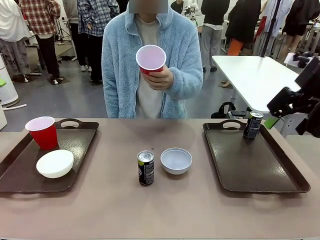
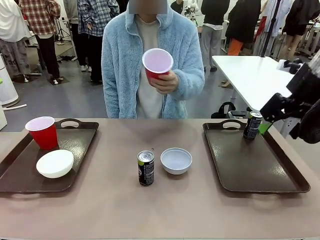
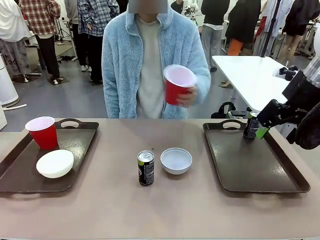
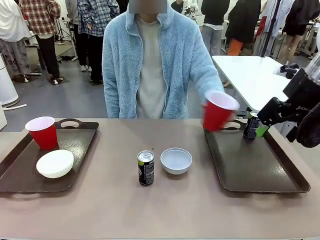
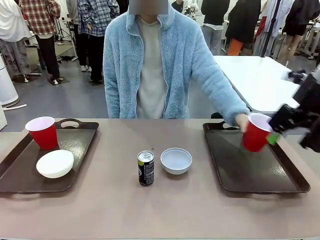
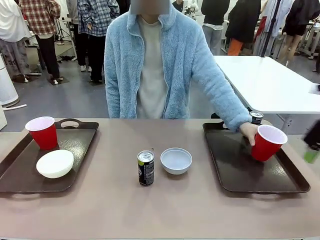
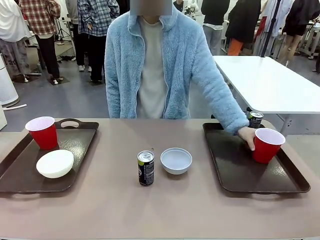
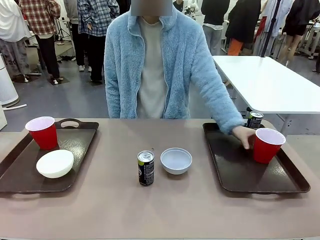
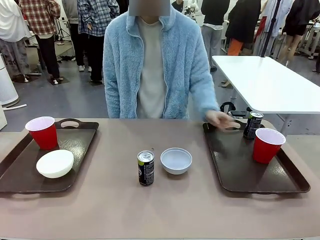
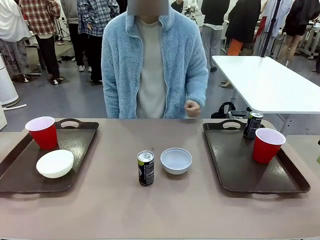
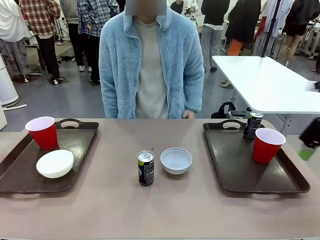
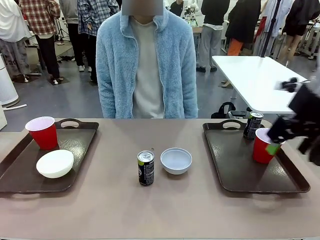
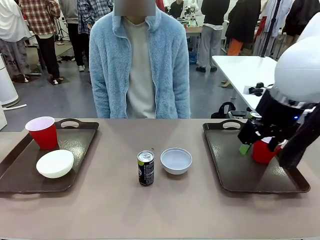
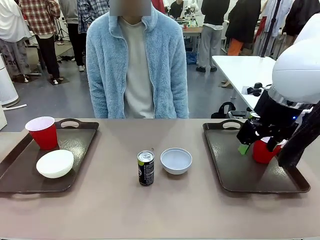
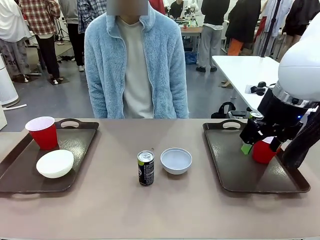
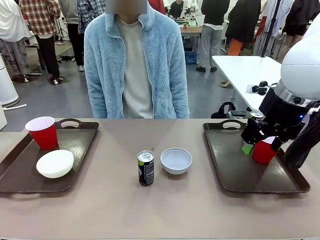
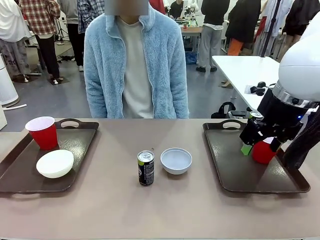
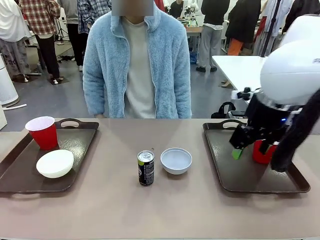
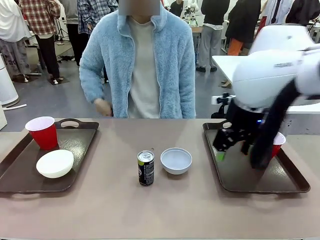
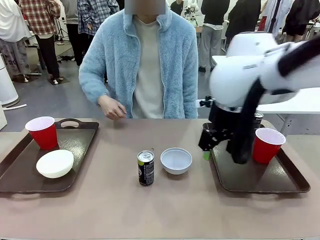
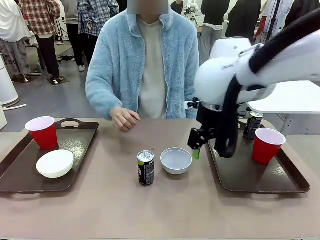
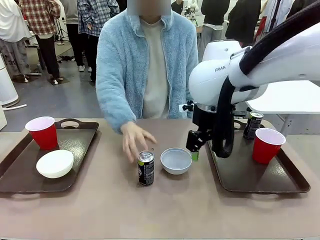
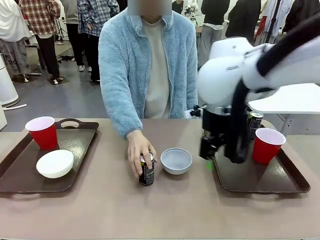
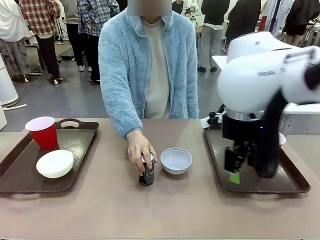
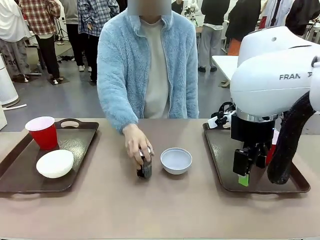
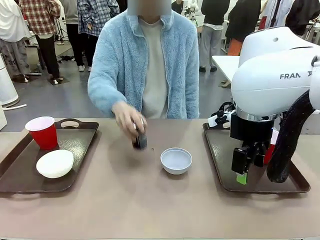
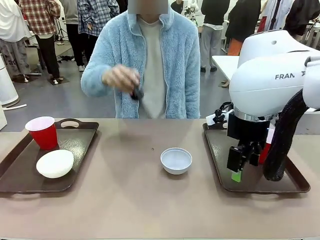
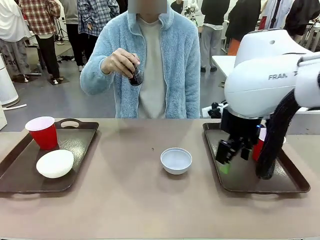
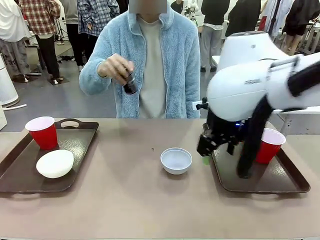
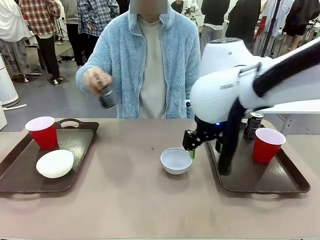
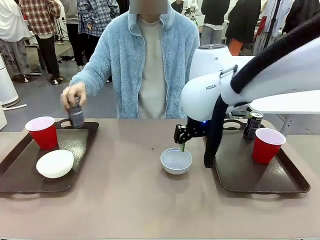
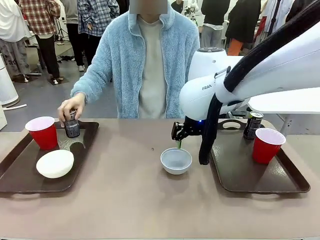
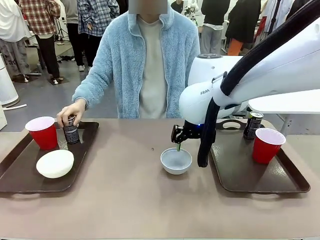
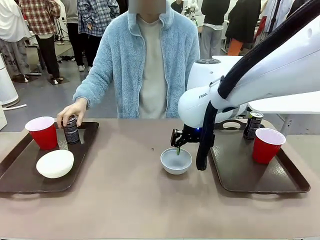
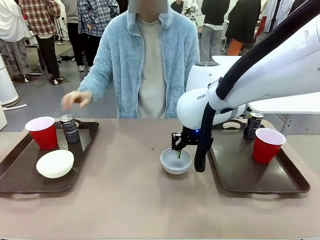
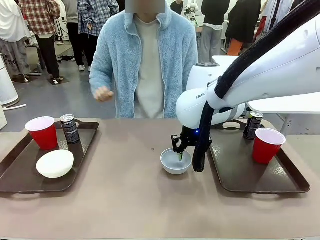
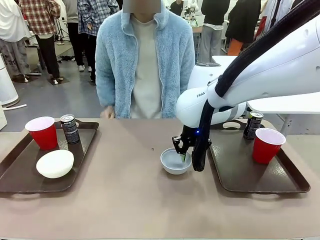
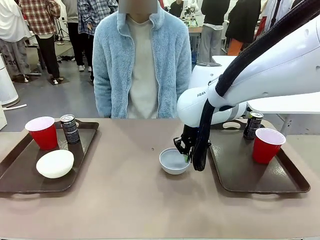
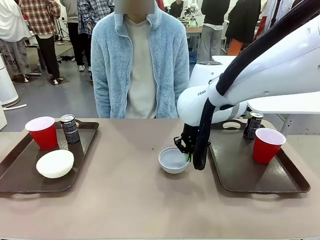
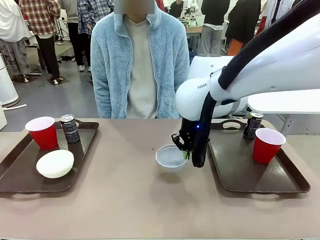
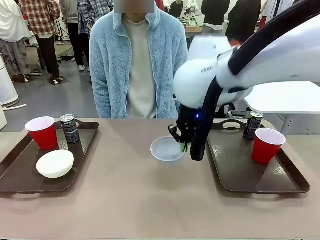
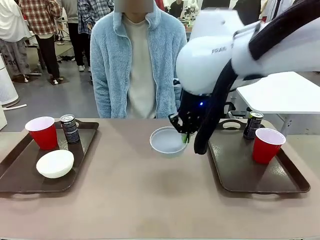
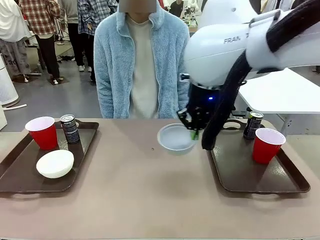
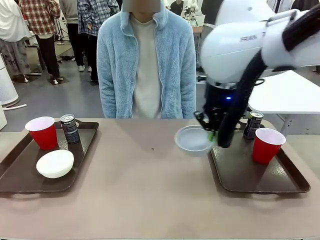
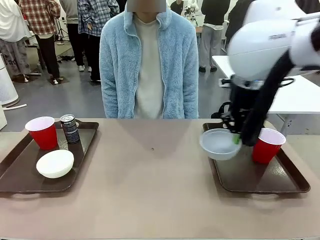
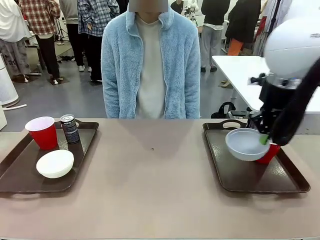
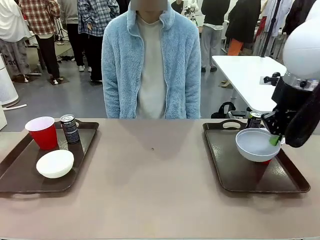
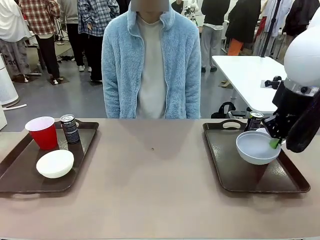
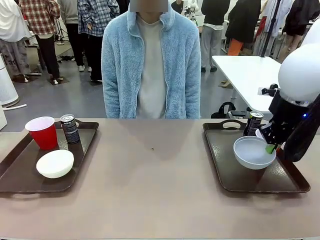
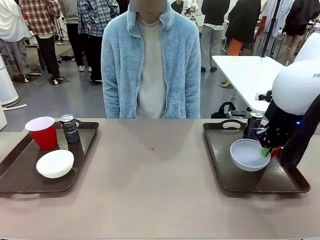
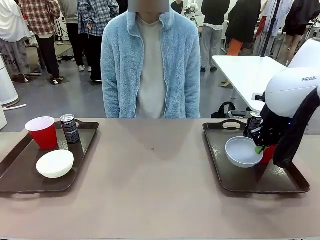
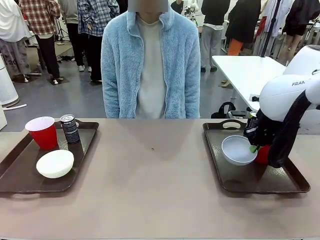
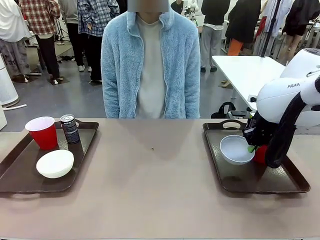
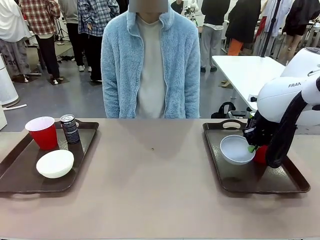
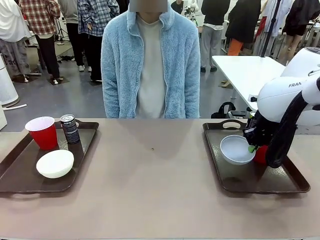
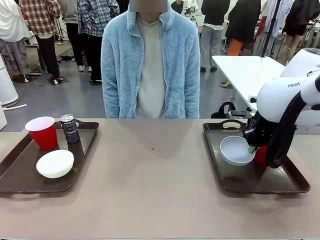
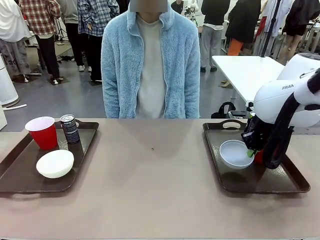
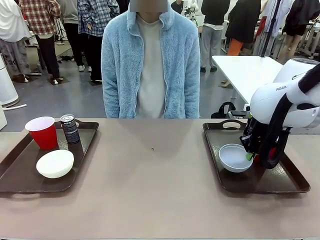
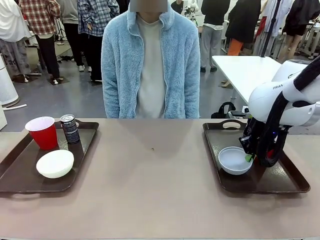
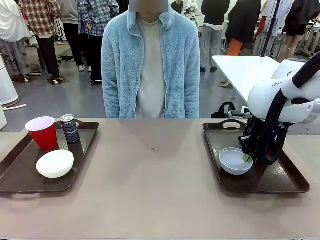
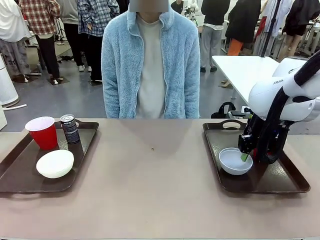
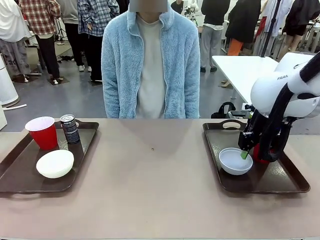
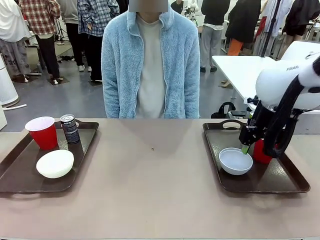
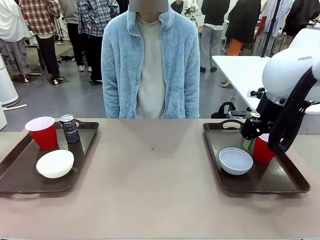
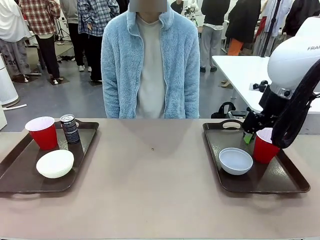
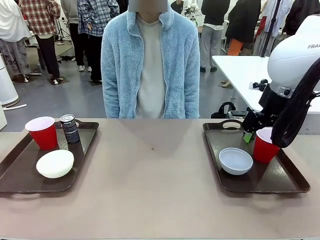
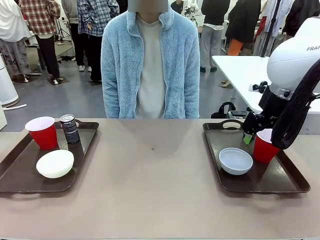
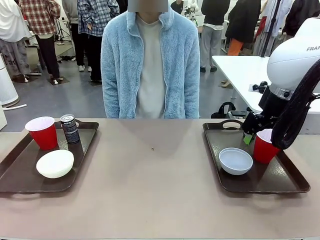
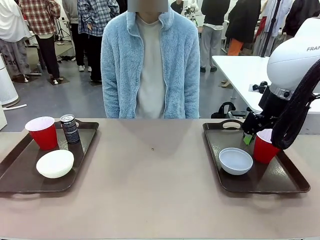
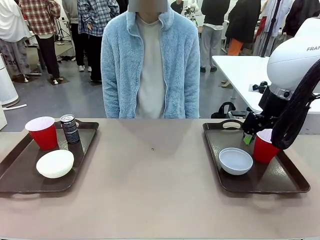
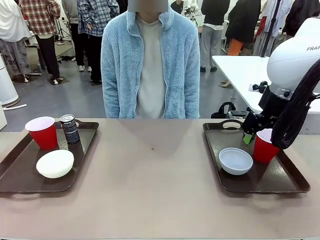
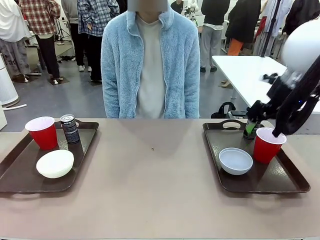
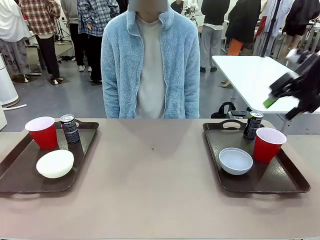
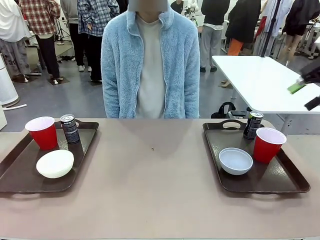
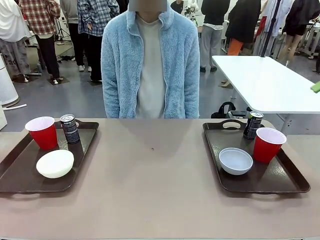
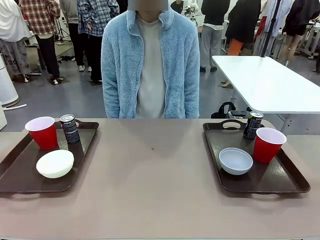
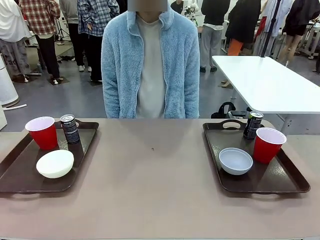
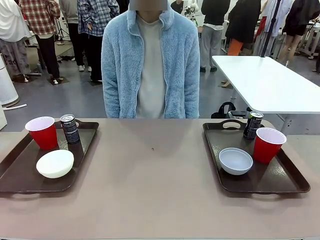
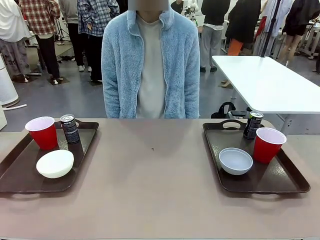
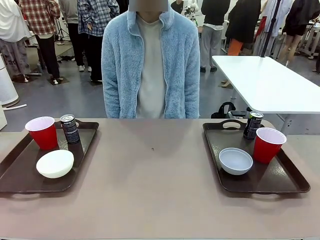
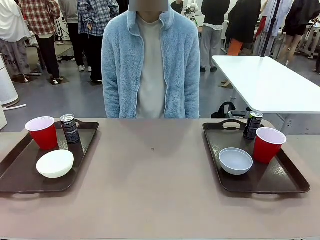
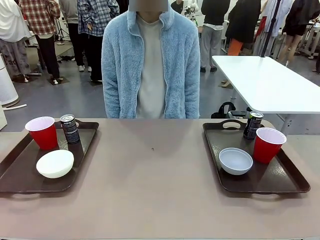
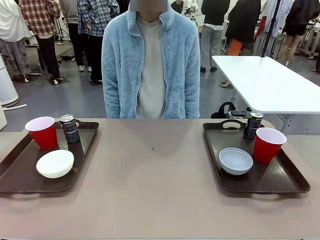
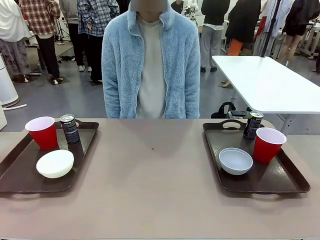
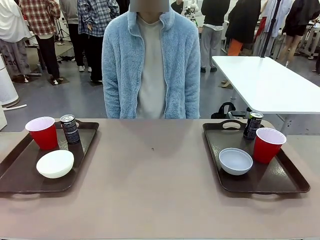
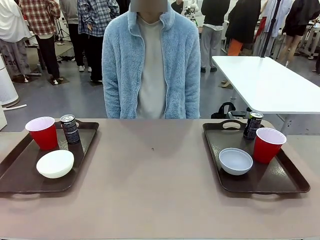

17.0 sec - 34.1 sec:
Task: Prepare tableware on both trays.
Robot: Pick up a Picnic Bowl from the table and place it on a Handle tray.
Person: Pick up a can or cup and place it on the tray without a can or cup.
